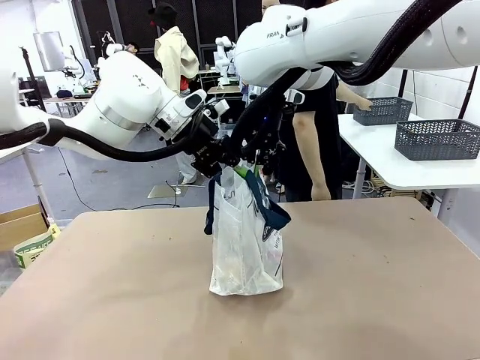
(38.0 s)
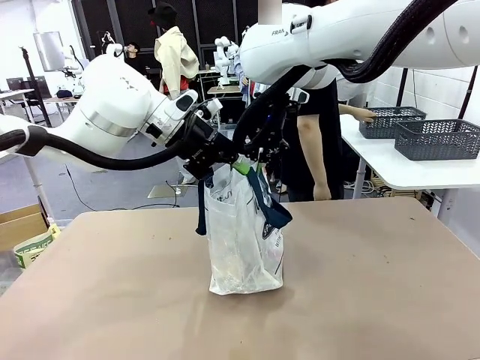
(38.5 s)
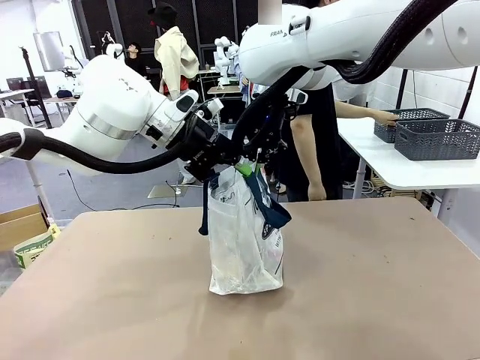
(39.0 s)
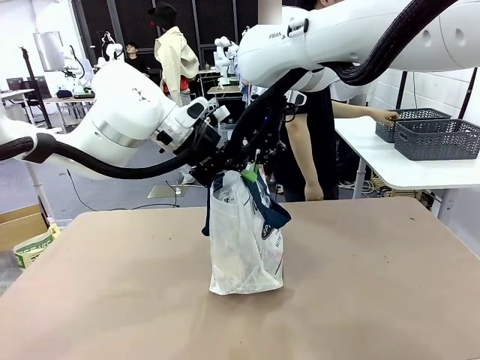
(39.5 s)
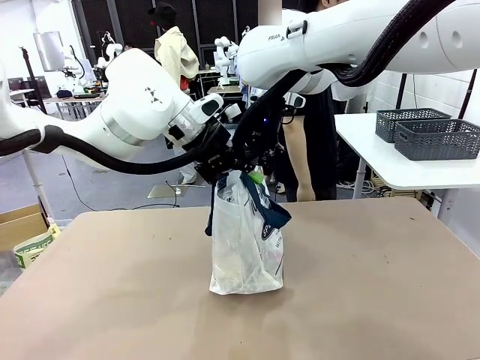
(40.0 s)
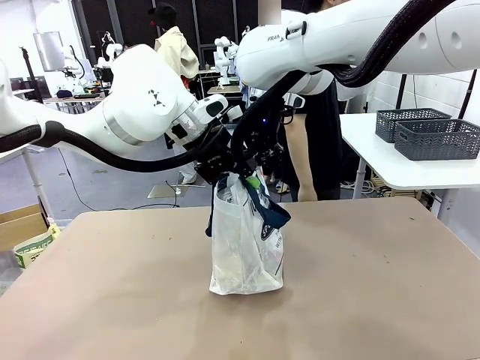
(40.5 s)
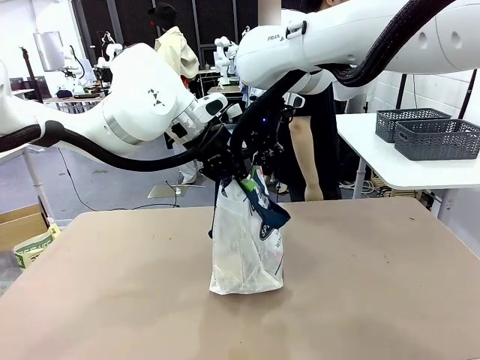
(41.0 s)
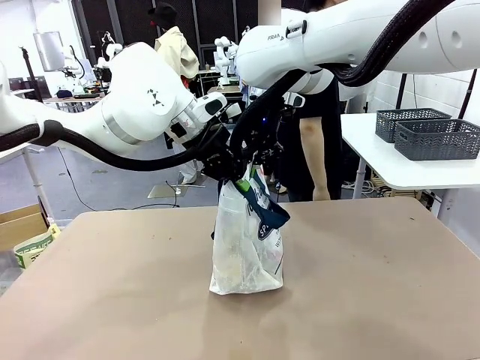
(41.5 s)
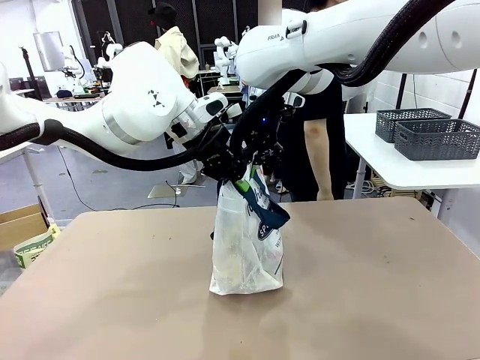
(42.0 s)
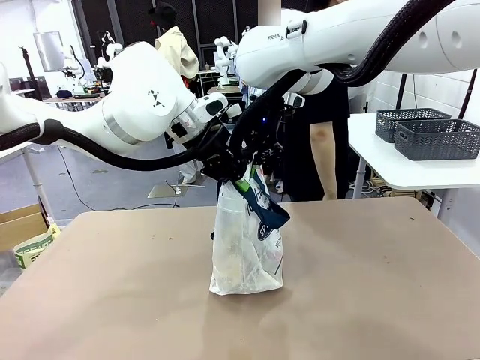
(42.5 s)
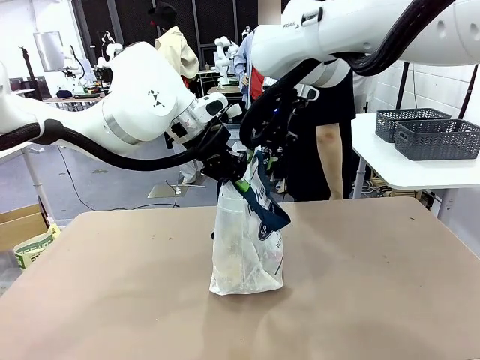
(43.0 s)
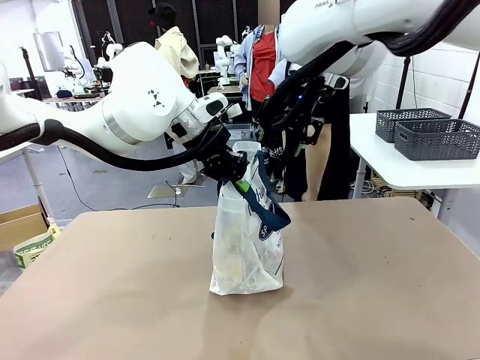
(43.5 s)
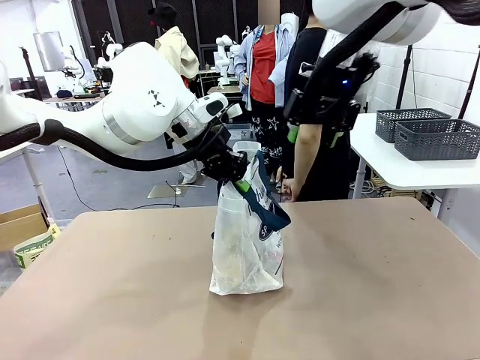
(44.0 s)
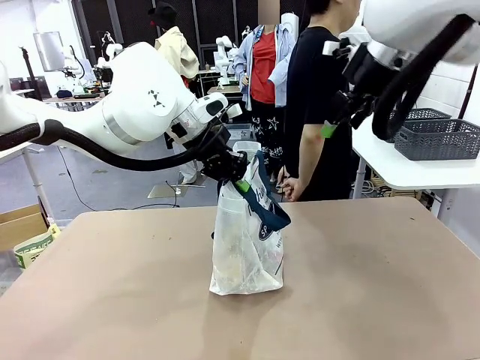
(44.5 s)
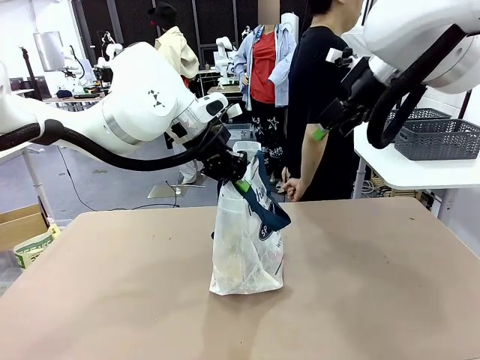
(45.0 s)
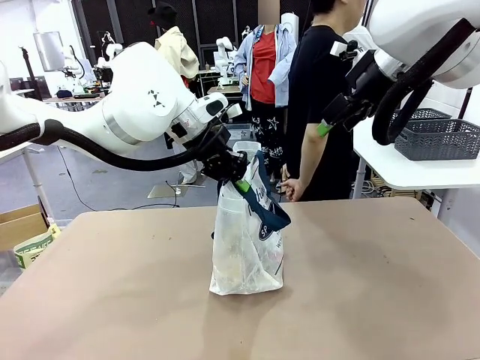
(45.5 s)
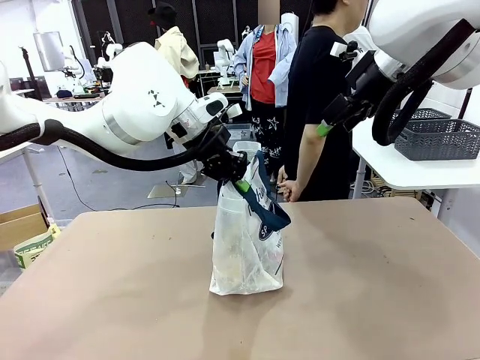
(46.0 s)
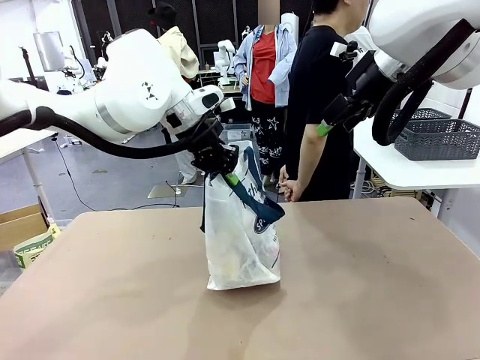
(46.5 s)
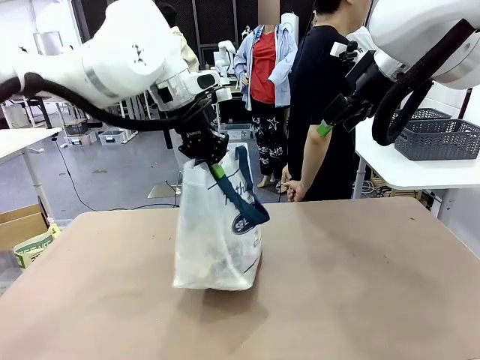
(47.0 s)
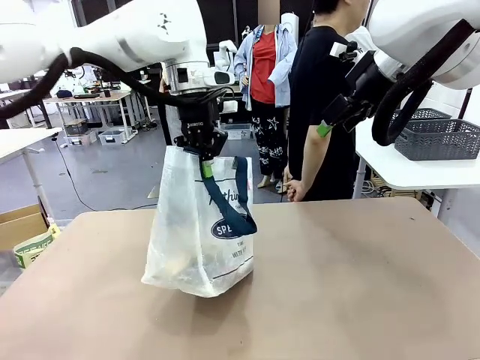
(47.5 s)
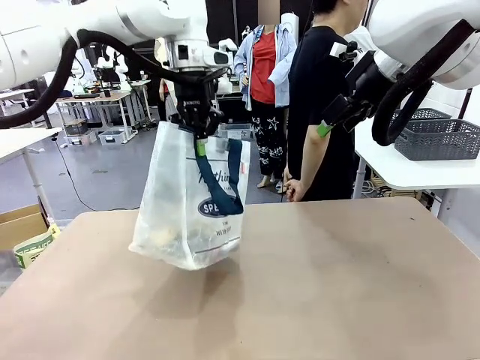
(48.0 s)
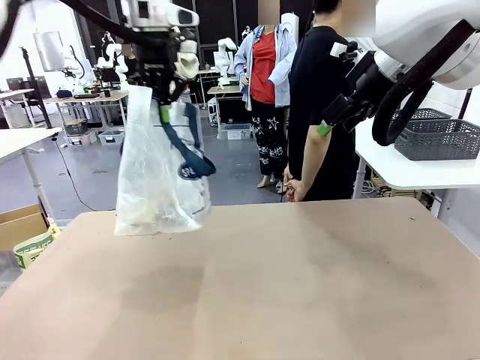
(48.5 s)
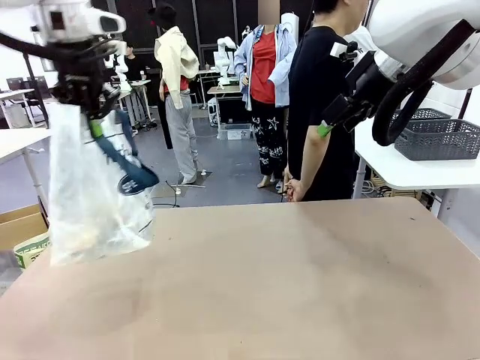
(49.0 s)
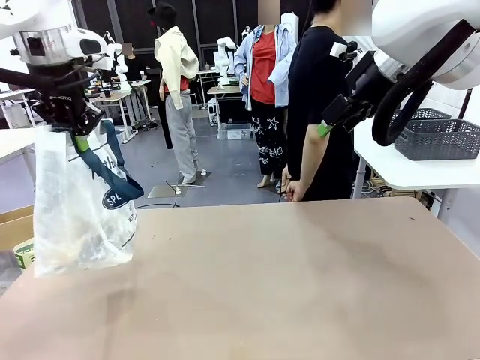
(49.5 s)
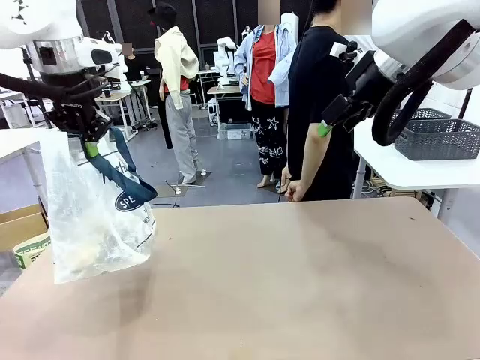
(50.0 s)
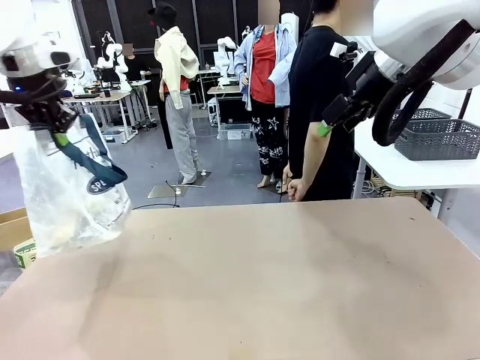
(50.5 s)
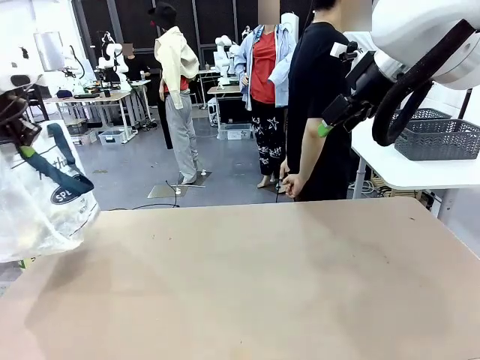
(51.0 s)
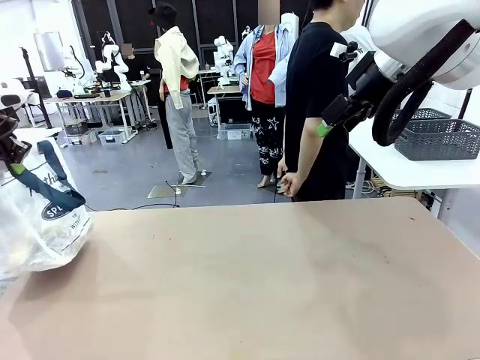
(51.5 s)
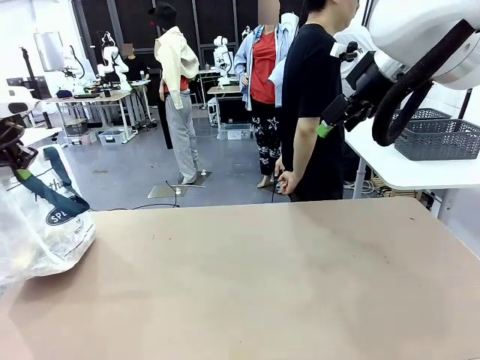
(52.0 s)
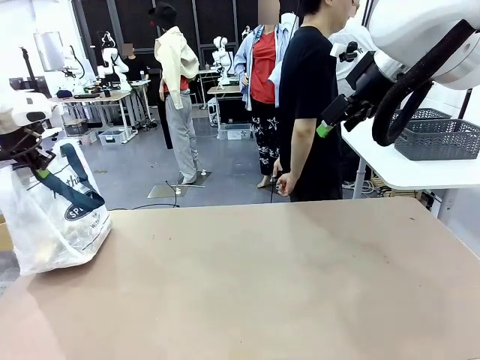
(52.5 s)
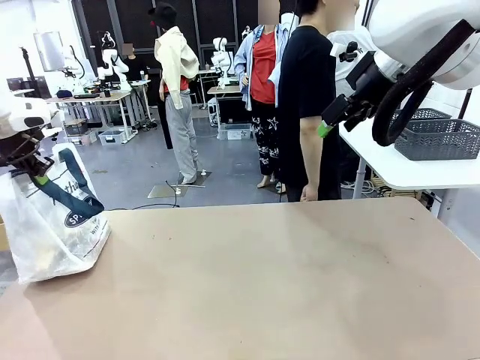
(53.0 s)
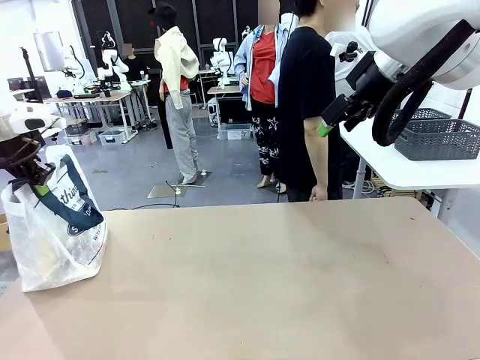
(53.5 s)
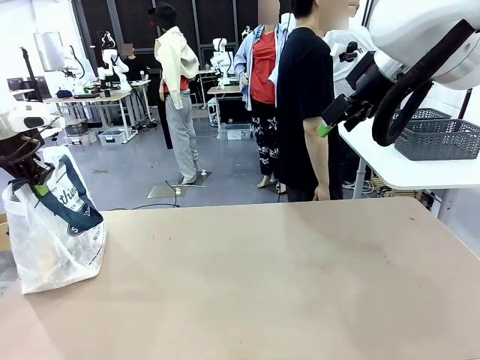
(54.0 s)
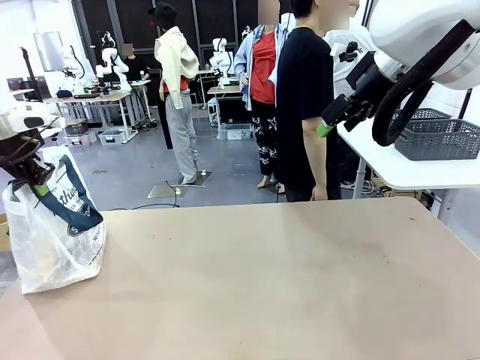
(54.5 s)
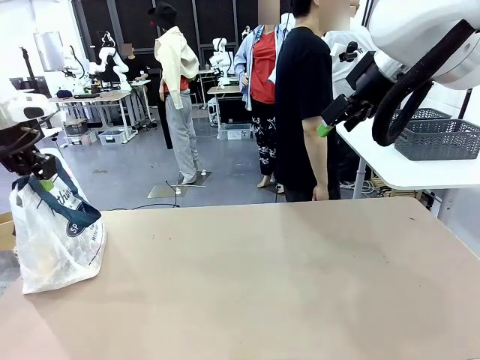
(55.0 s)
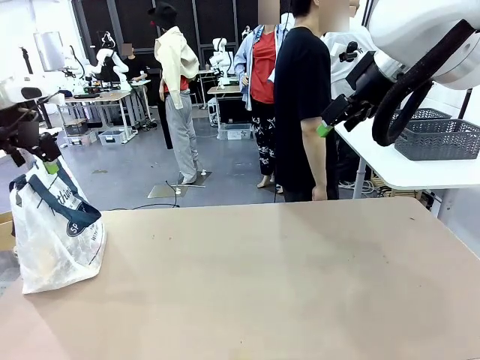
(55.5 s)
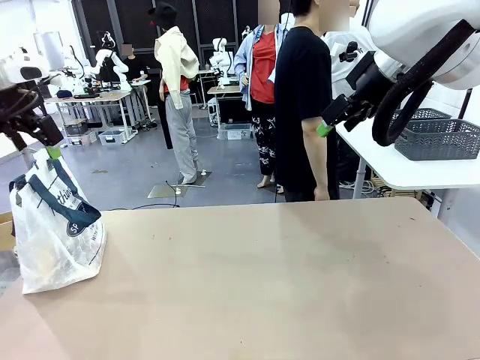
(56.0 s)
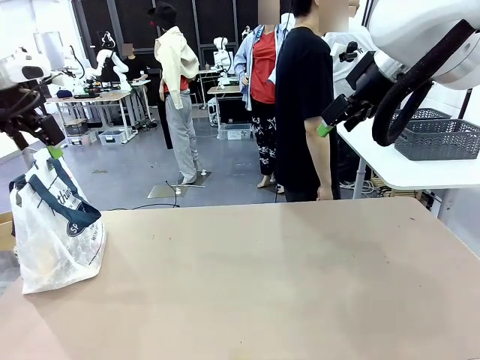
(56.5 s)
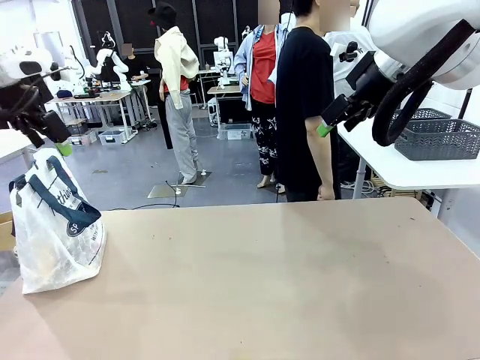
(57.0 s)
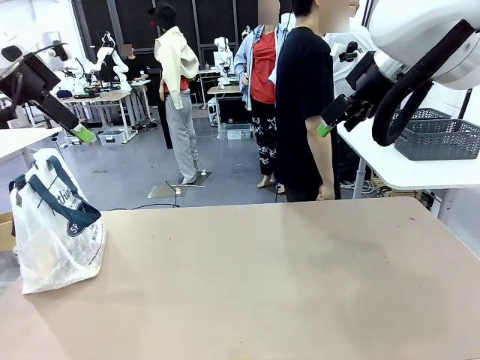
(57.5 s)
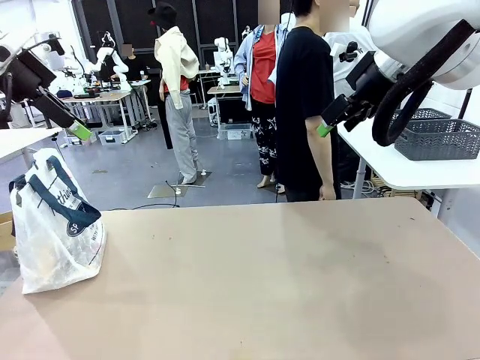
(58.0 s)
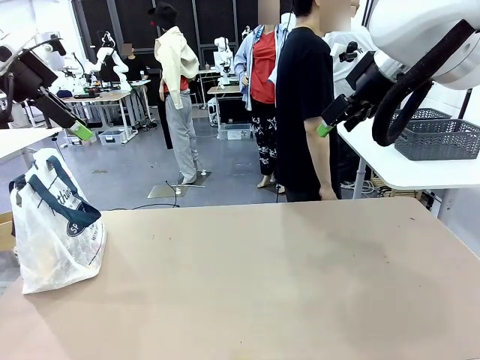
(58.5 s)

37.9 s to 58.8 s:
Task: Transfer purchased items from the store into the shopping bag.
Robot: Move the Reusable shopping bag to the right side of the table.
Person: Move the basket on the left to the middle of the person's table.

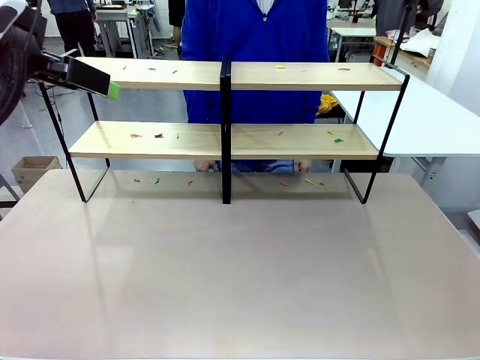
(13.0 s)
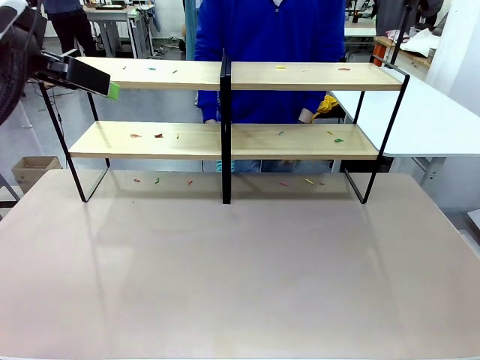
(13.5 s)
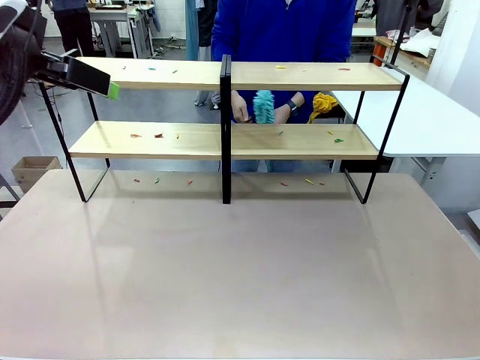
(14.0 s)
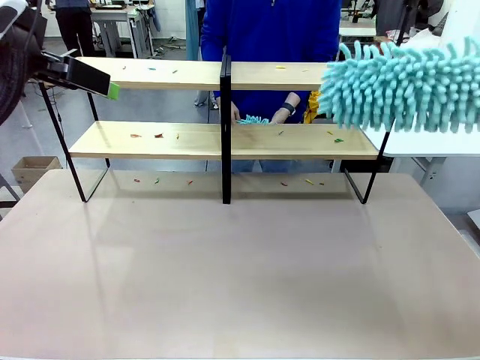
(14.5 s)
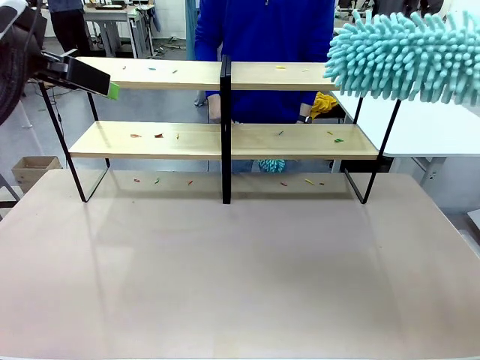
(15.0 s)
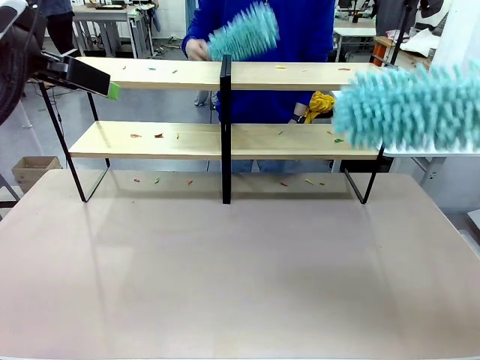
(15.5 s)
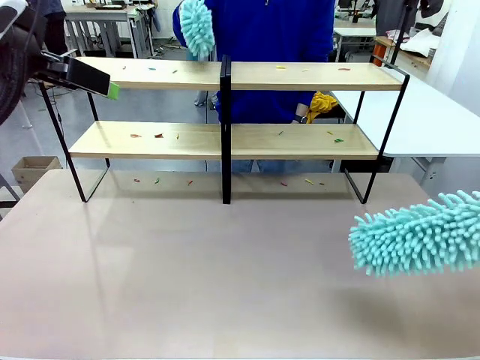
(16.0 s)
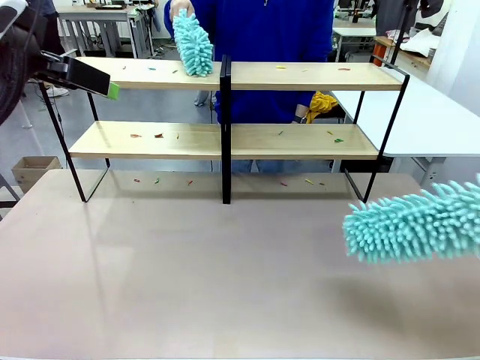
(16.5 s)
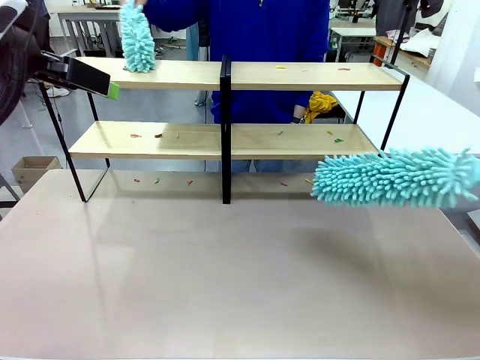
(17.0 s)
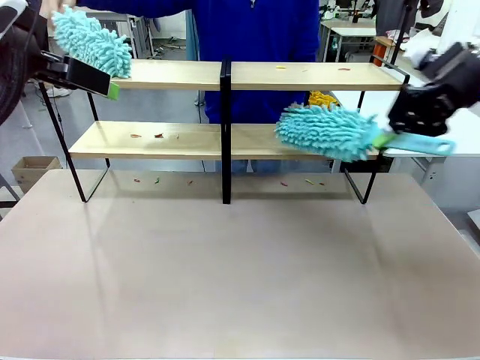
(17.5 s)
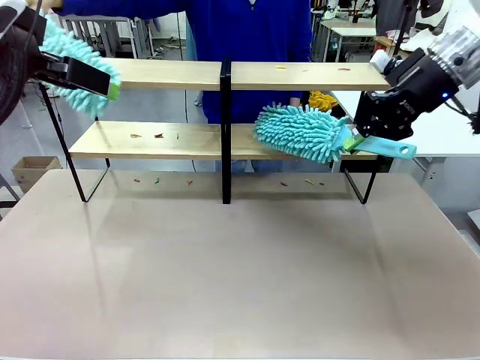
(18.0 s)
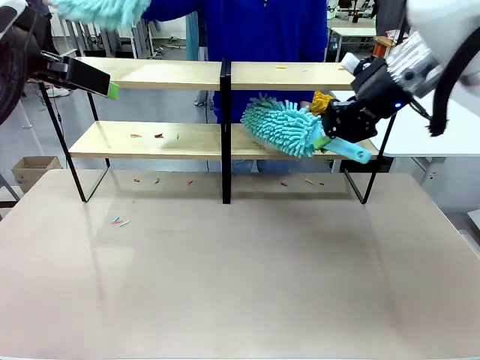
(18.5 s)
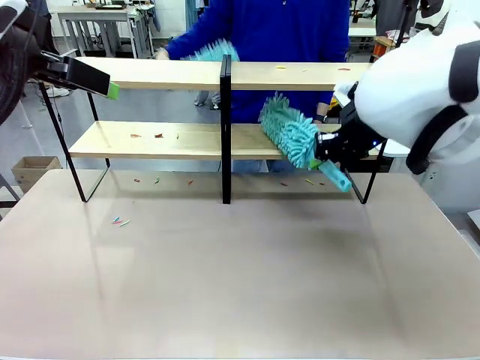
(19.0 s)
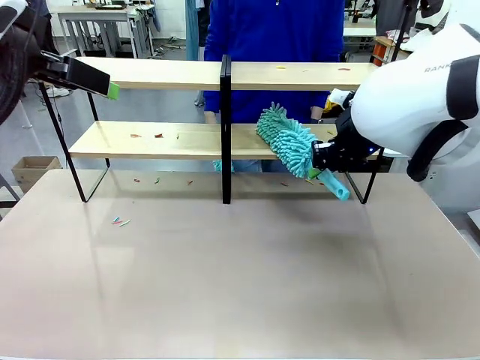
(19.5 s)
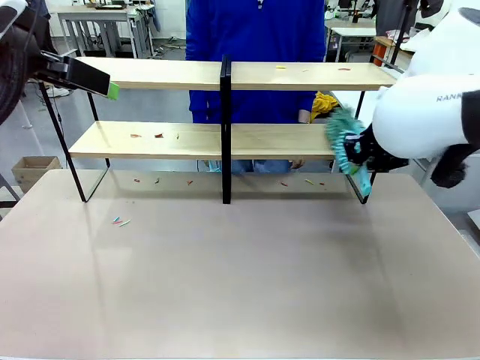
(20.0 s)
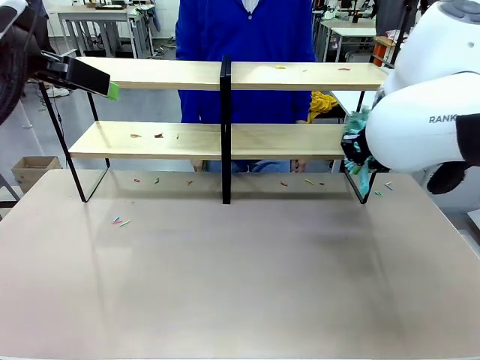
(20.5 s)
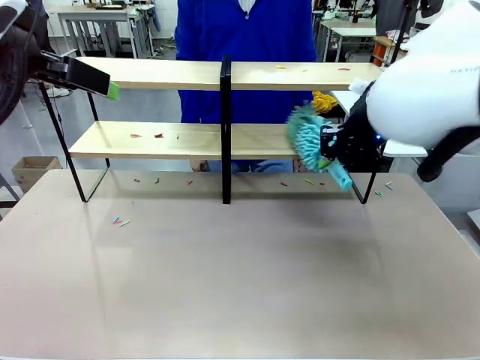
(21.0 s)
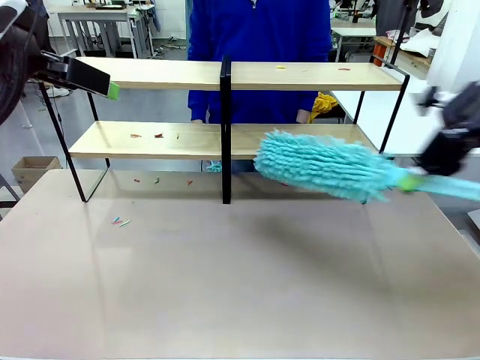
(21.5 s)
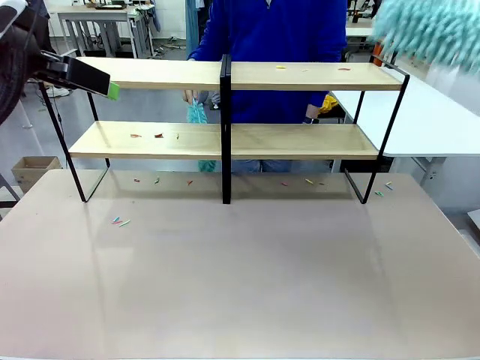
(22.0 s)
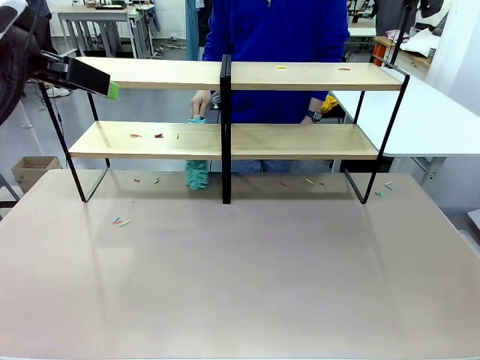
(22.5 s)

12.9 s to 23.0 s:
Task: Clean the shelves.
Robot: Clean a randomly selected level of the Shelf with the Duster.
